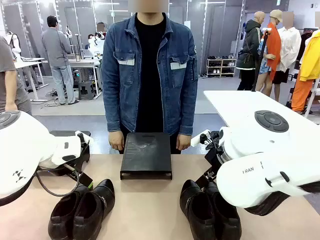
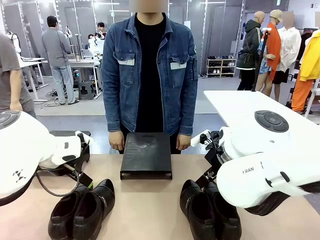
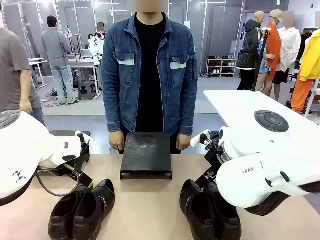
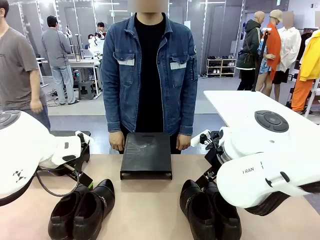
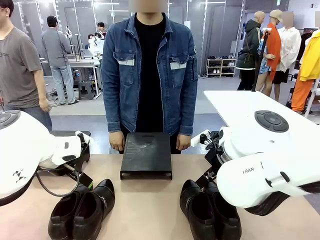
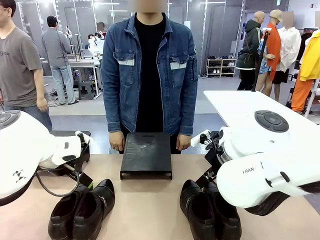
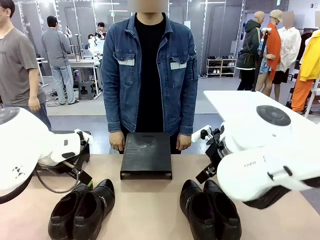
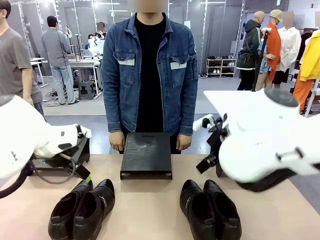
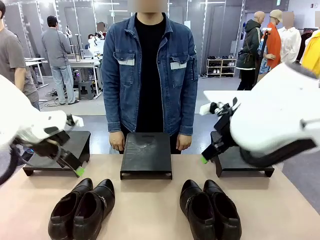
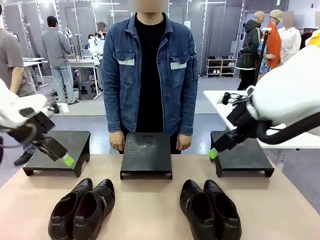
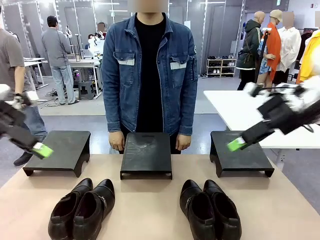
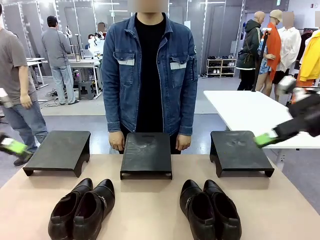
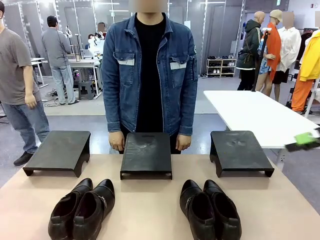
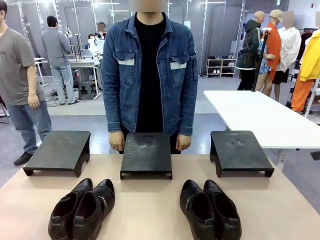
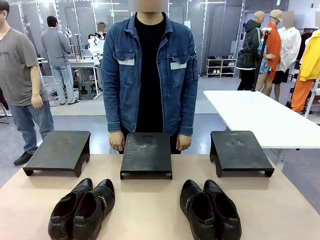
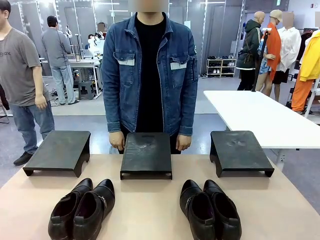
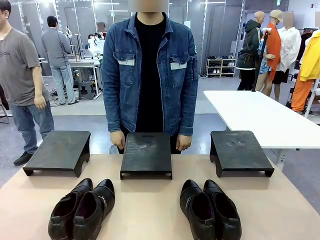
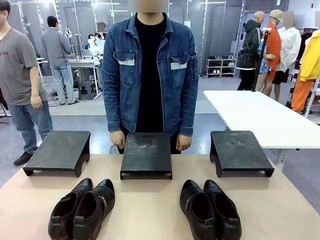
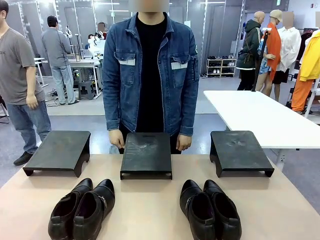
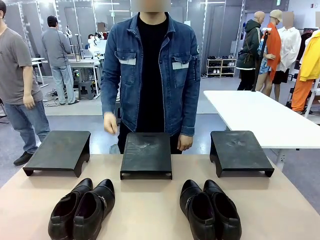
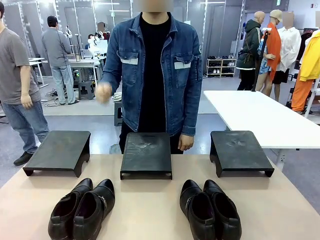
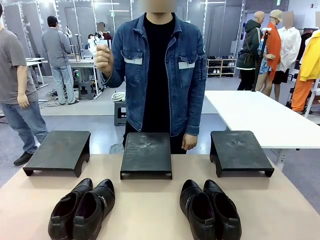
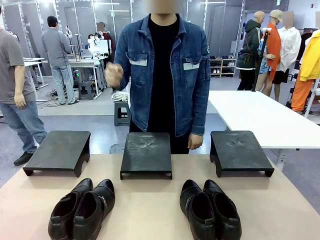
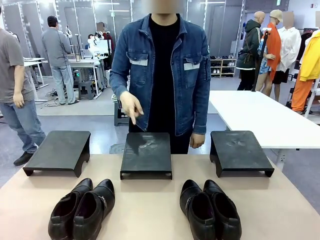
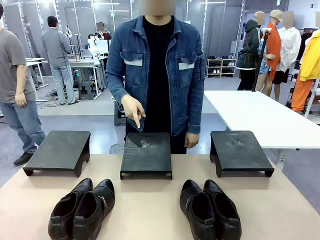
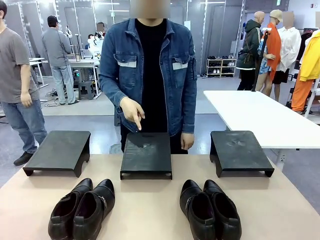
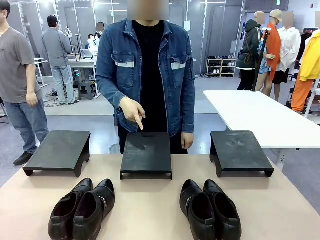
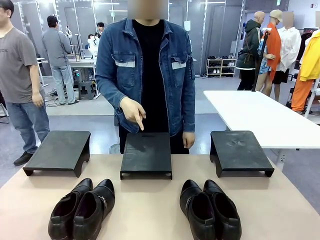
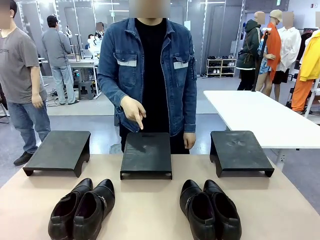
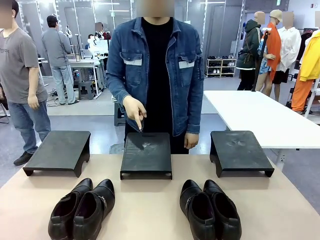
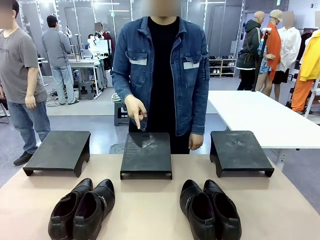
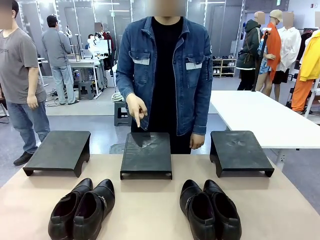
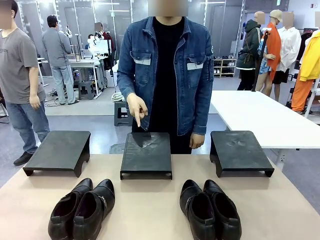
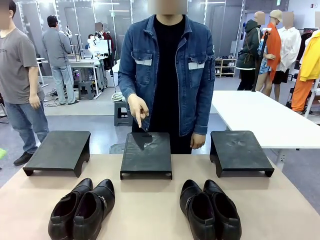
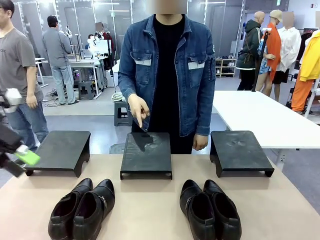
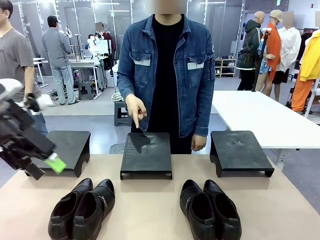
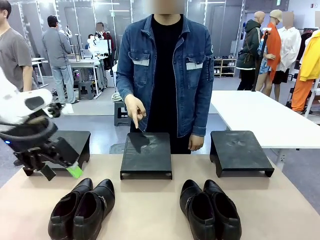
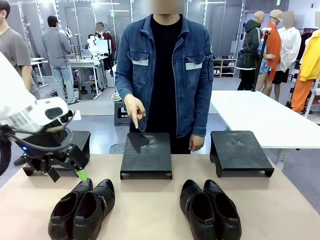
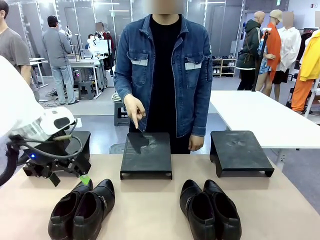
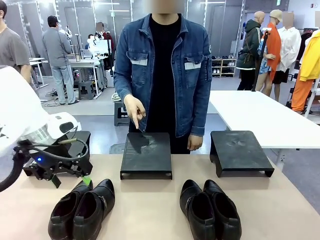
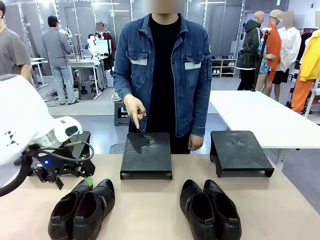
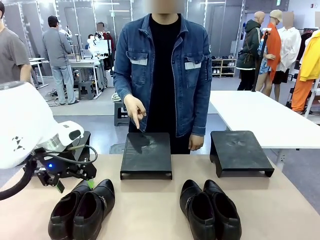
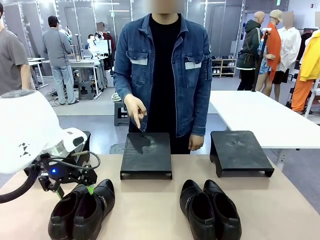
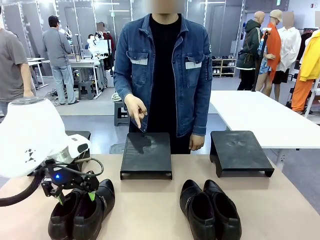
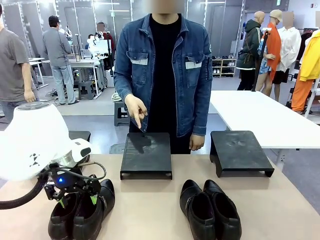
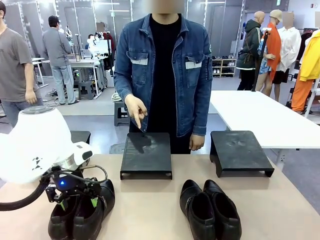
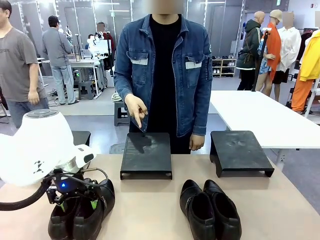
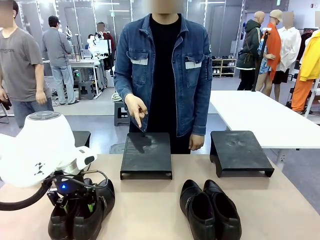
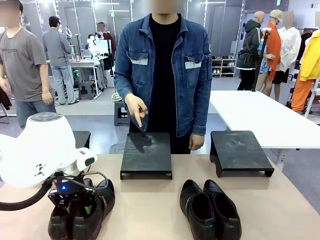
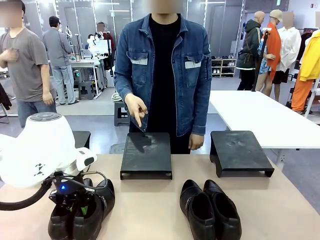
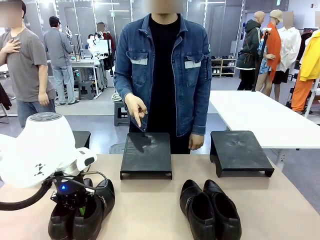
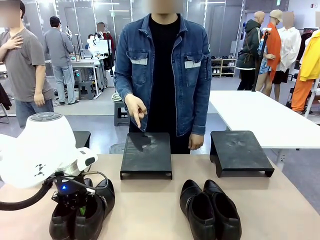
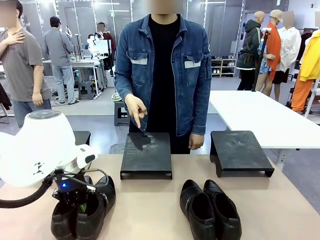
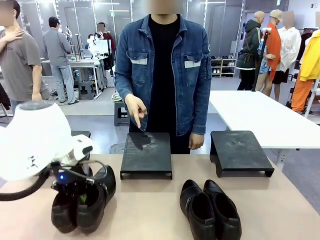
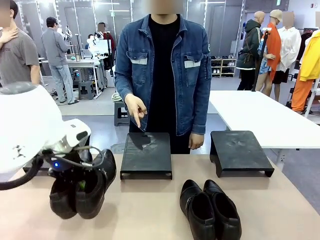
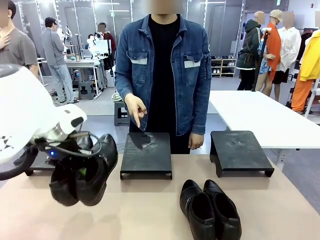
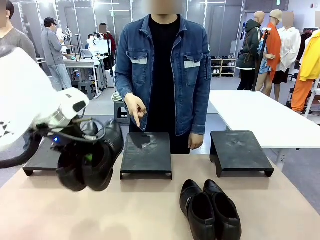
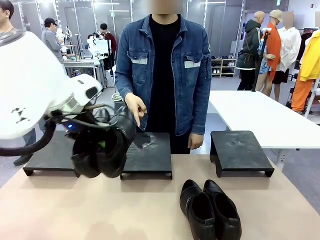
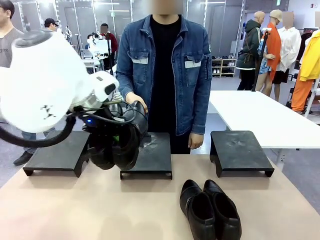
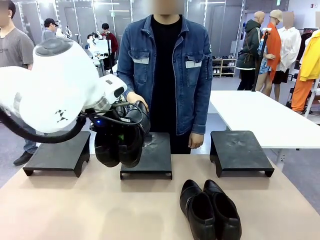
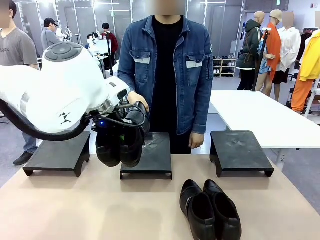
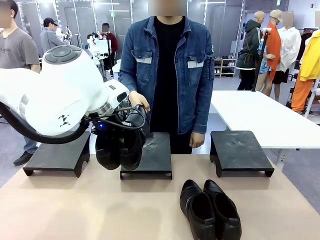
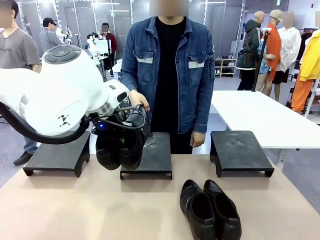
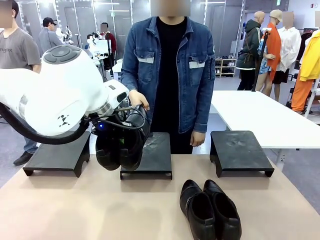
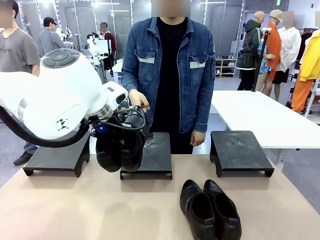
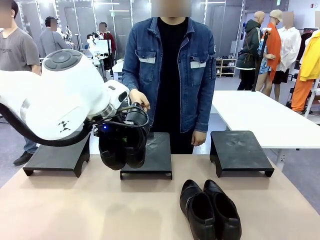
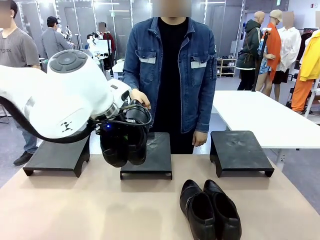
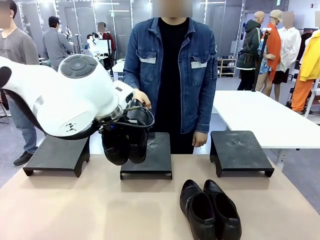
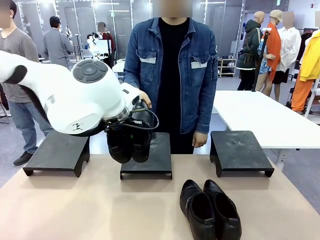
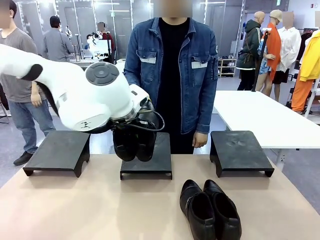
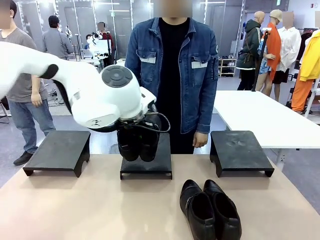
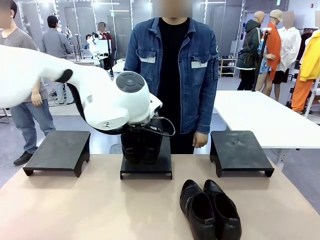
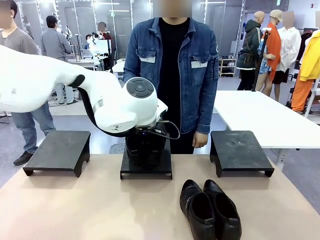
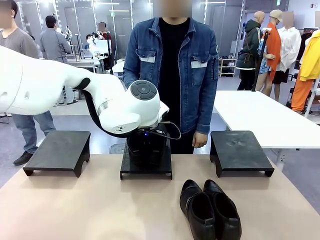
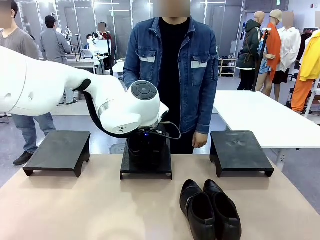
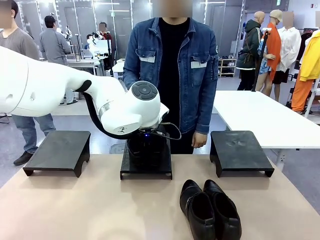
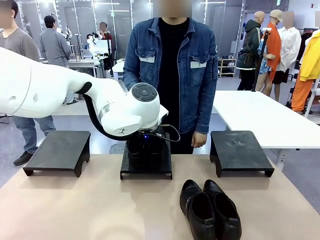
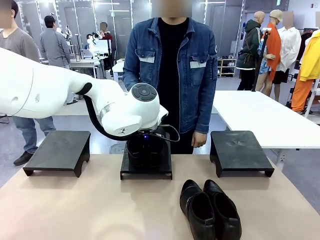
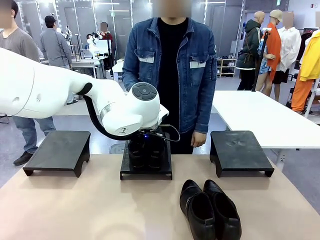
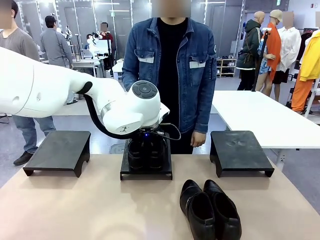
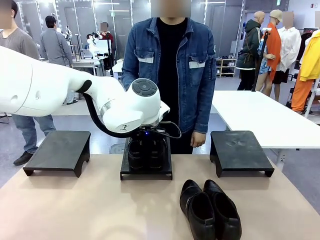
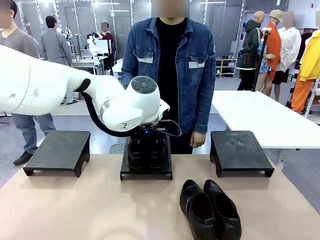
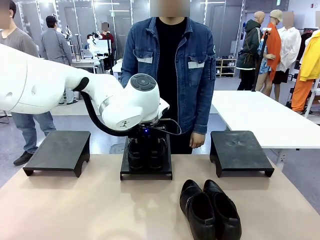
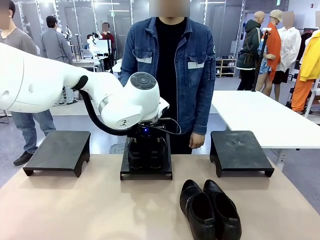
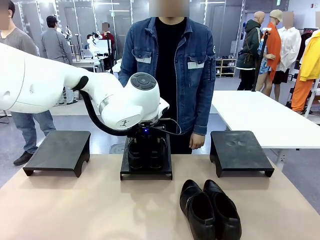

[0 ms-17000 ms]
Task: Place the shoes on the stand as instructed by the person.
Robot: Pick up one pair of Shoes and place it on the Shoes Stand indicated by the person.
